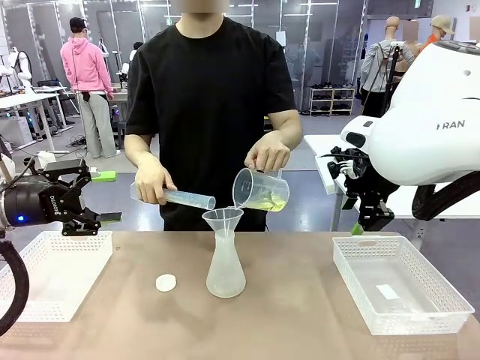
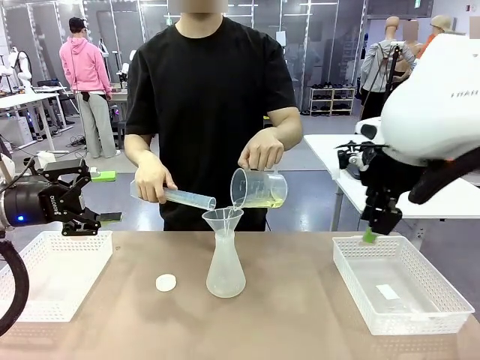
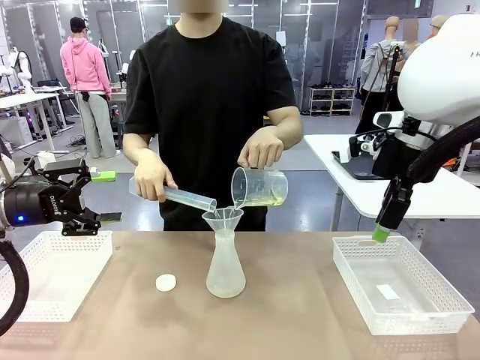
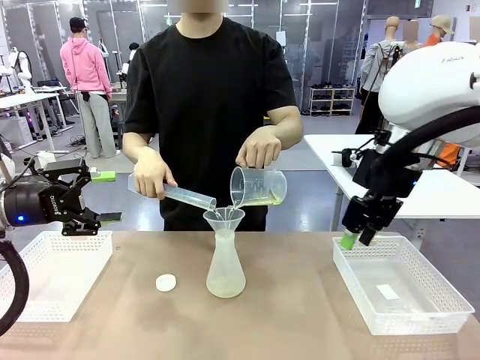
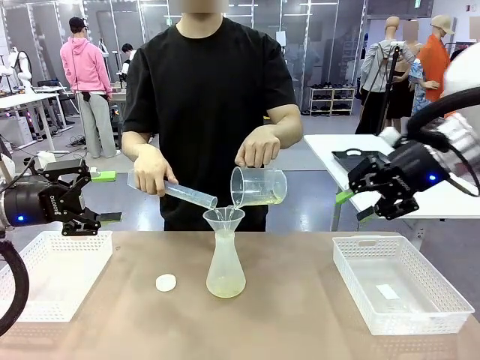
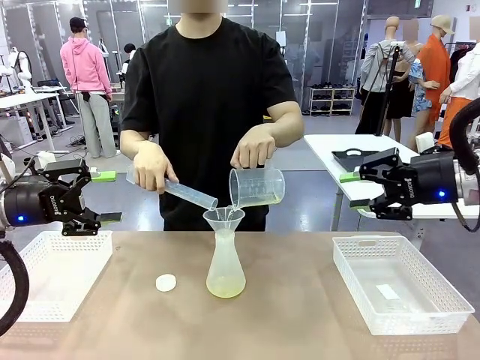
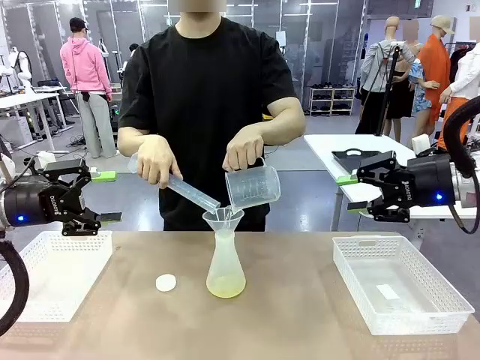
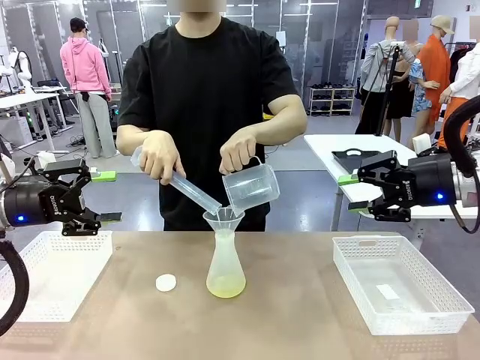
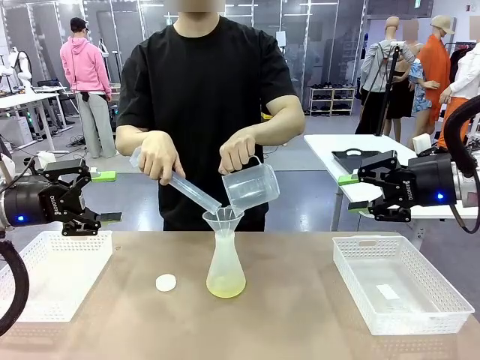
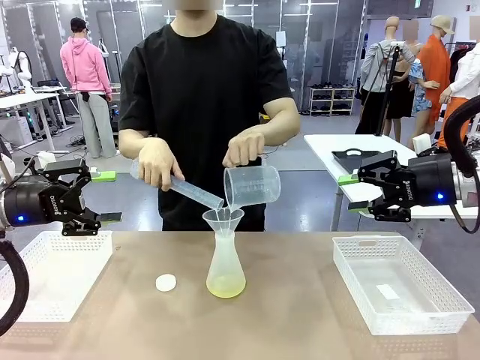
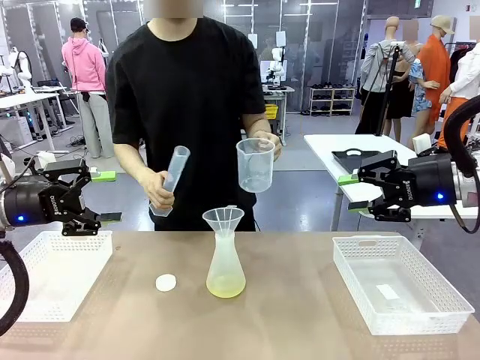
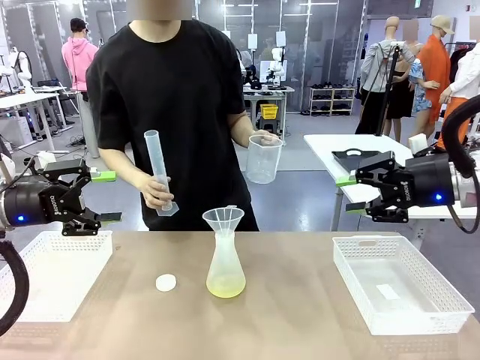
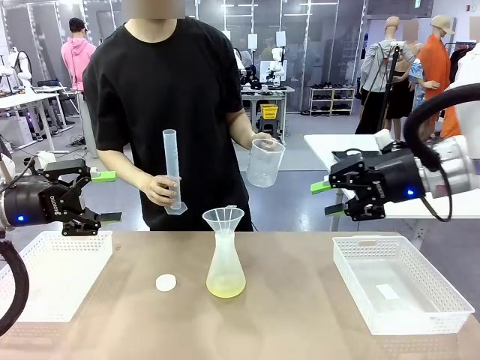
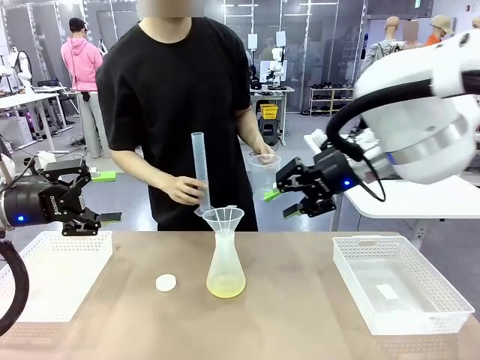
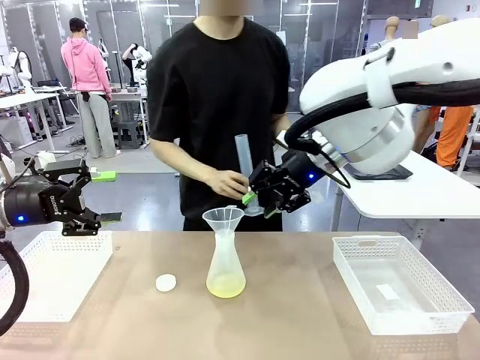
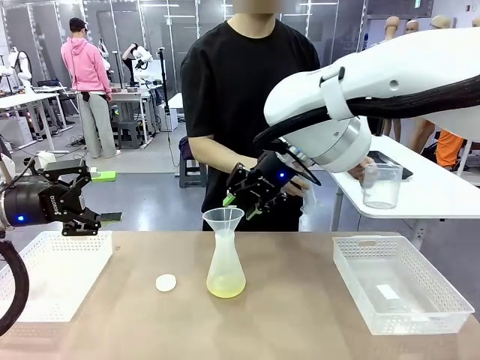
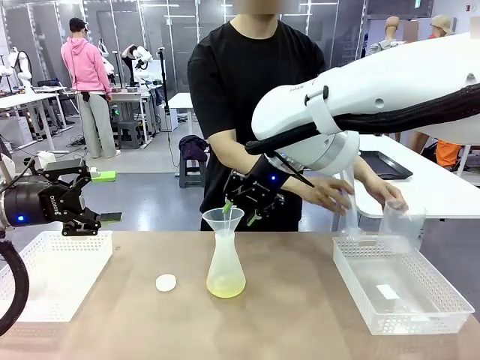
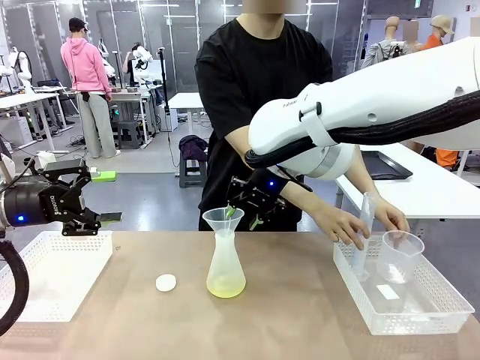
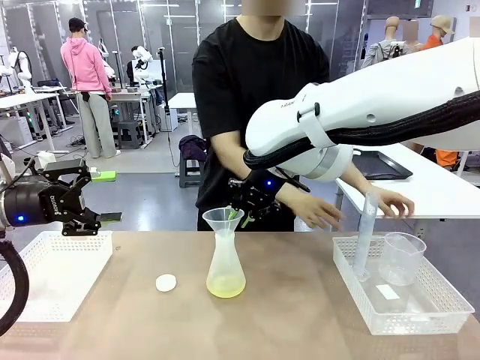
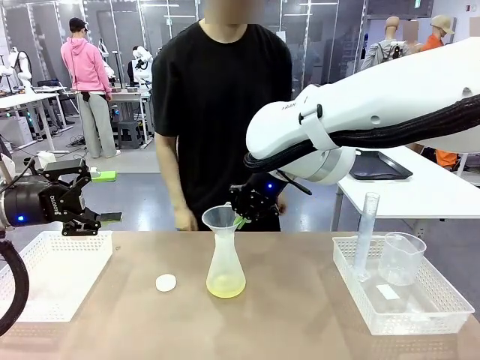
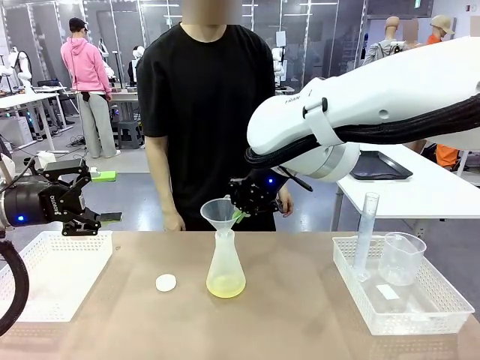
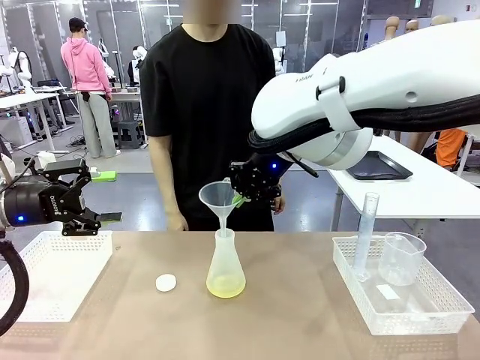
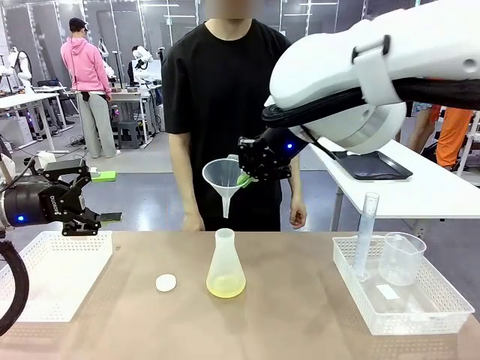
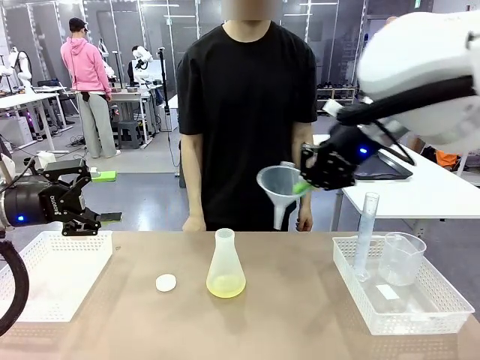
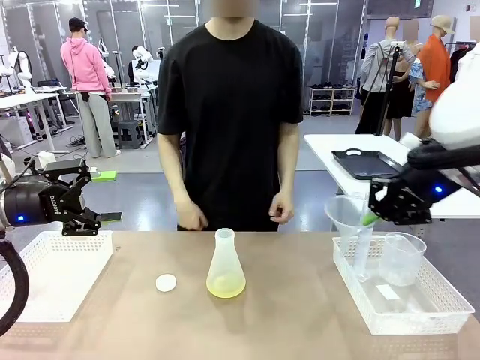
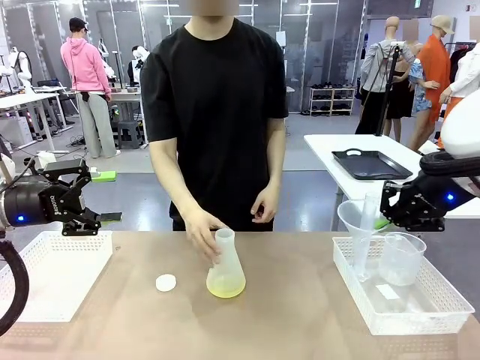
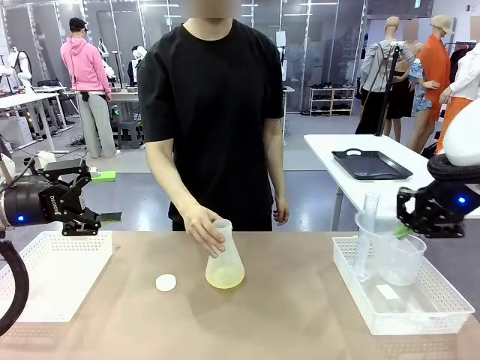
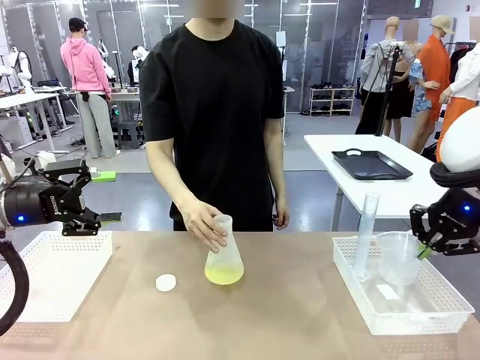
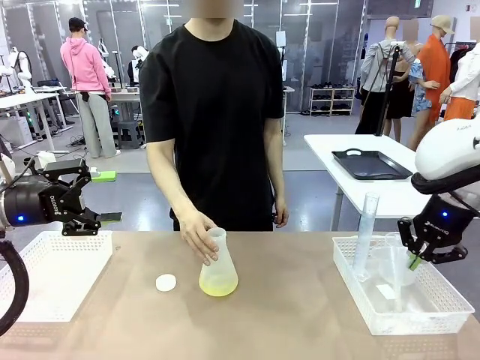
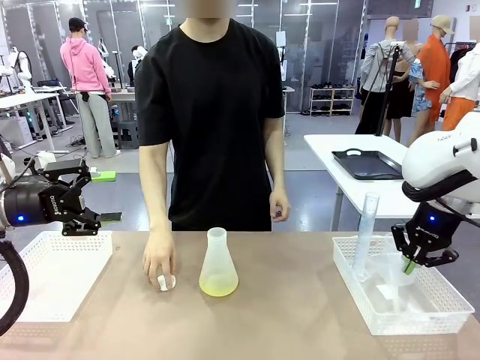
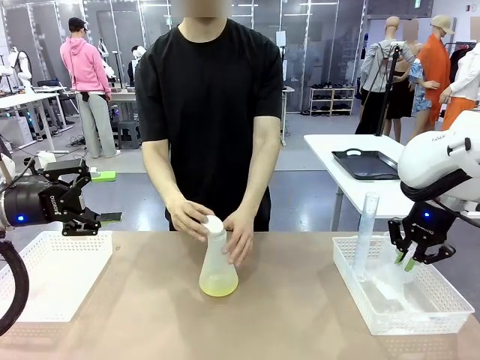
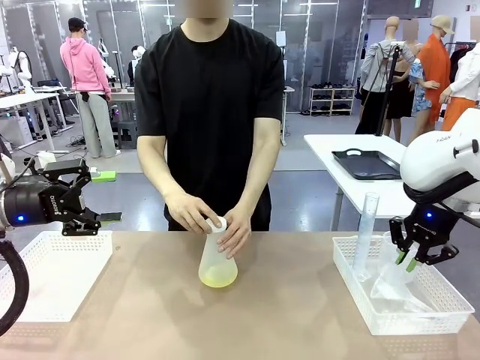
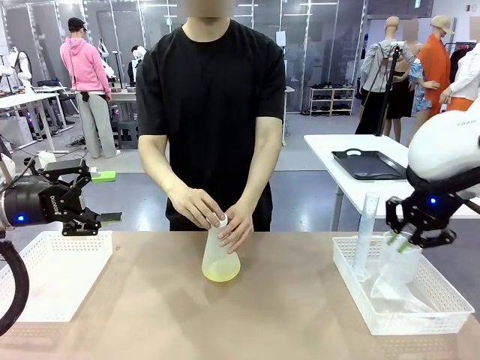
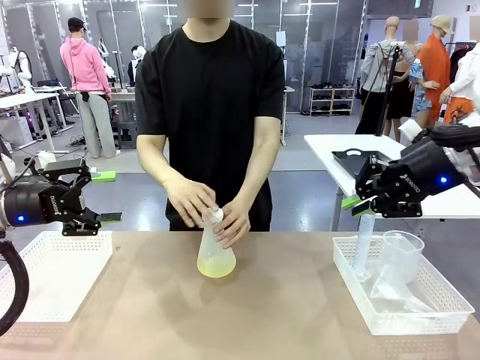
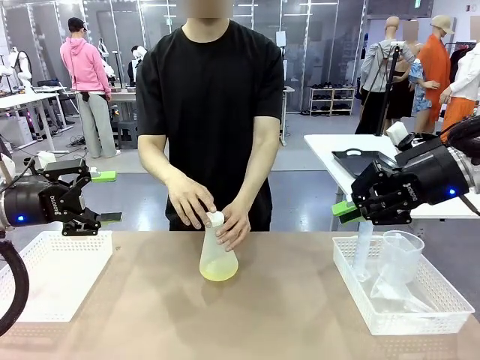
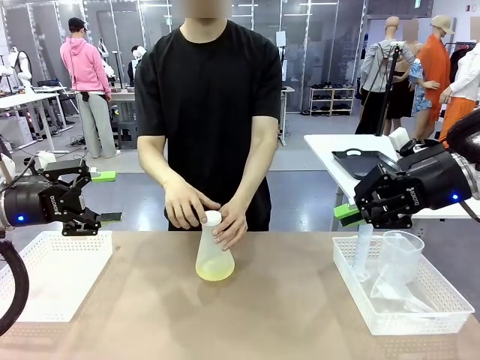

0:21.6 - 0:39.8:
Task: Prepare the solutions needed for the experiment.
Robot: Once the solution is in the Big flask , pick up the Plastic Funnel and place it back into the right Organizing basket.
Person: Place the beaker and the cylinder into the organizing basket on the left side. Pick up the flask, gently shake it 2–3 times, place it in the middle of the robot table, and close the lid.
